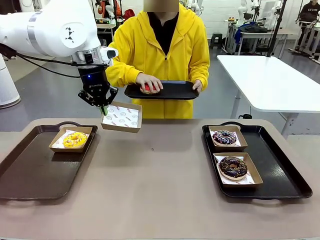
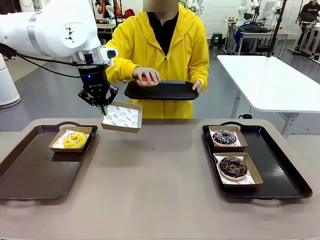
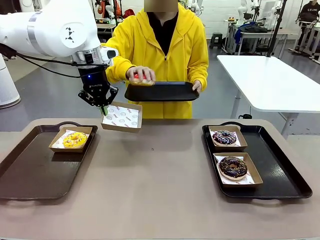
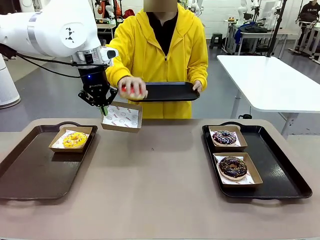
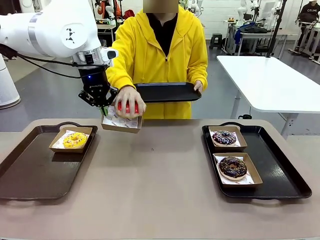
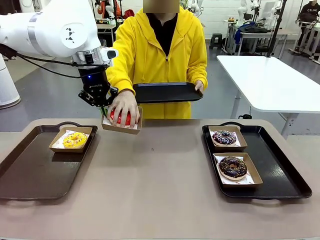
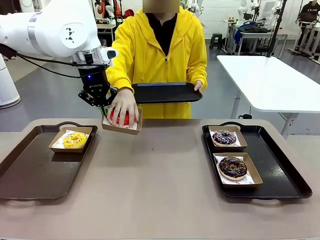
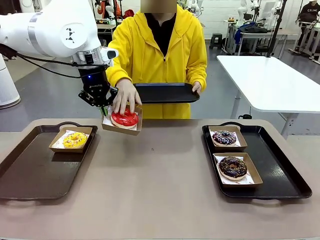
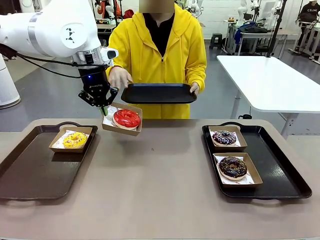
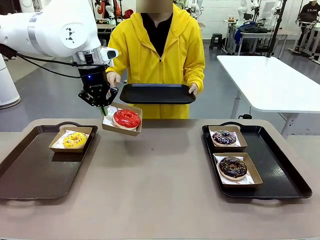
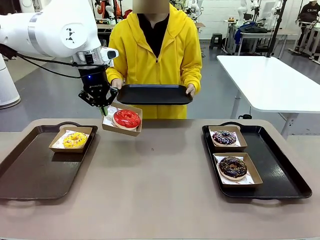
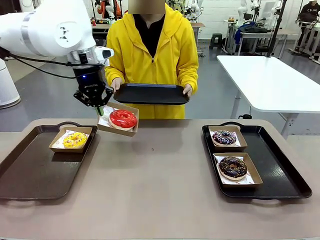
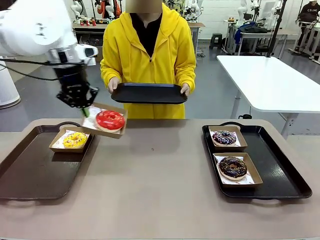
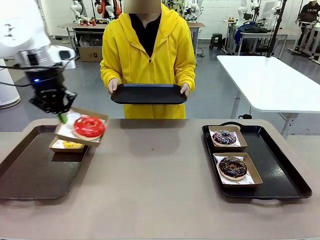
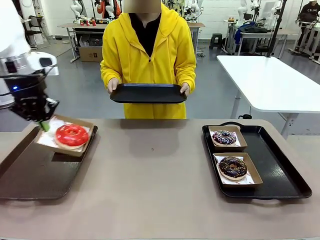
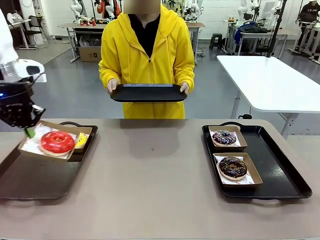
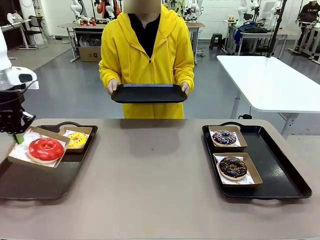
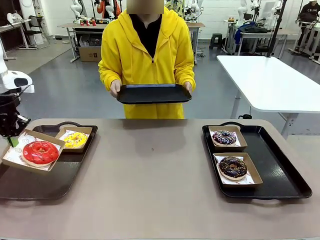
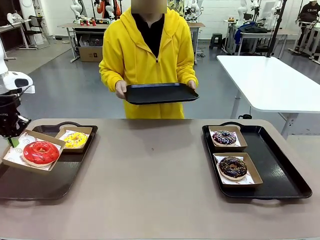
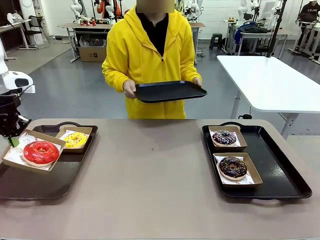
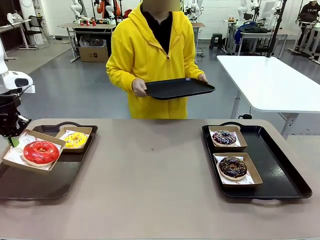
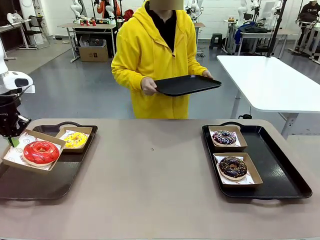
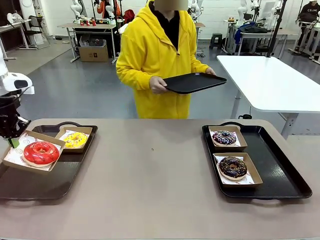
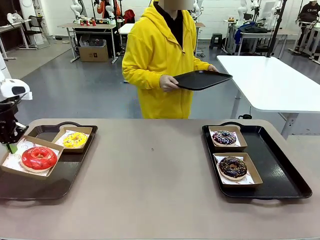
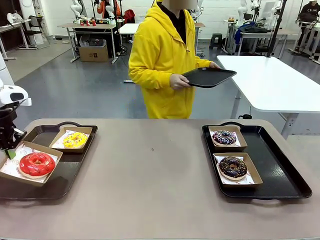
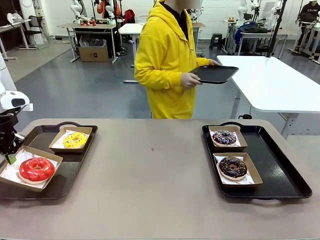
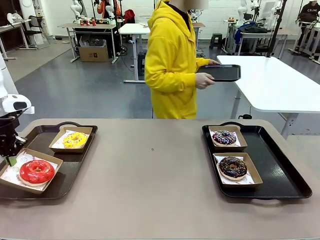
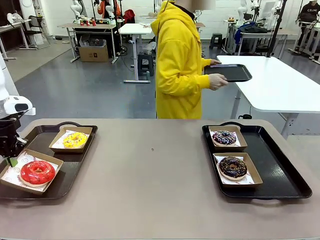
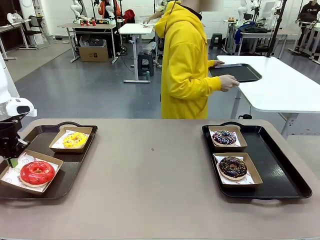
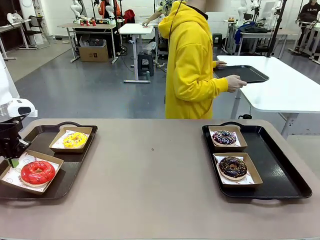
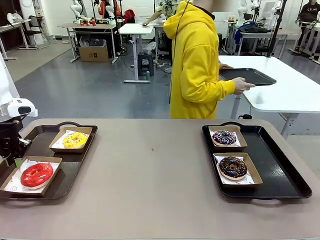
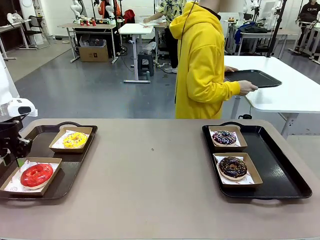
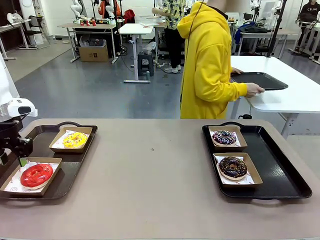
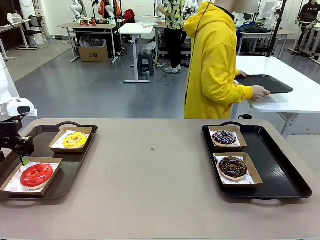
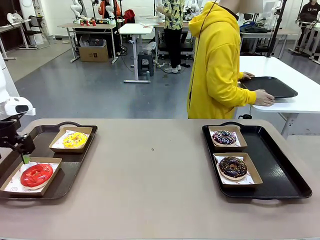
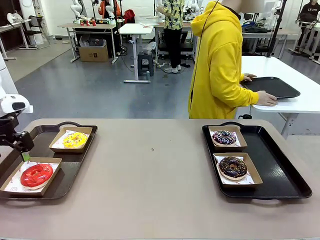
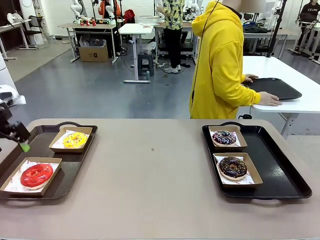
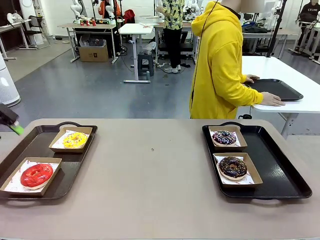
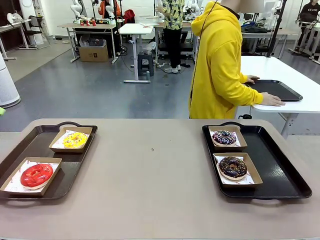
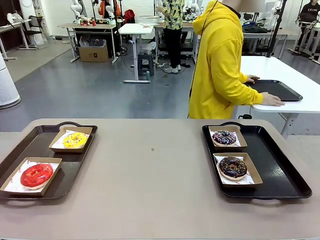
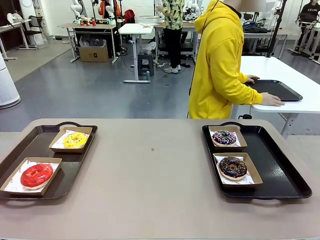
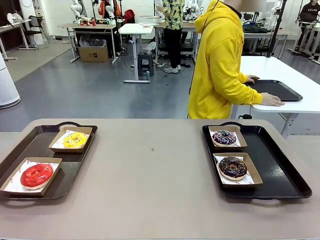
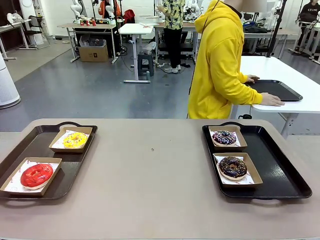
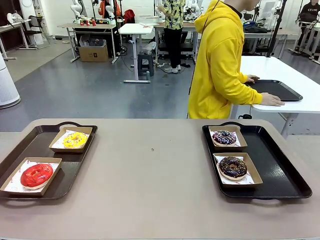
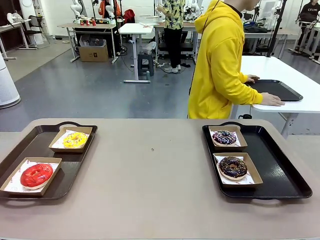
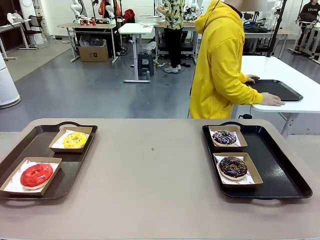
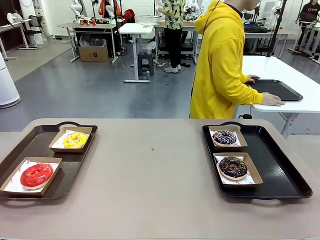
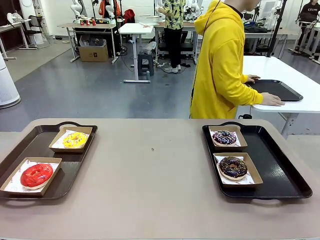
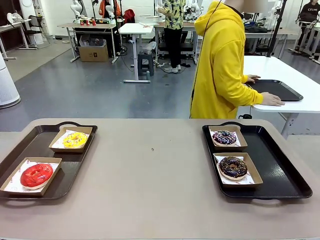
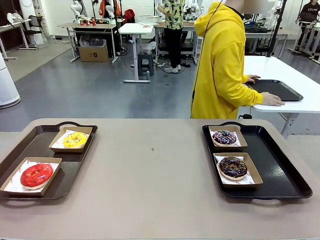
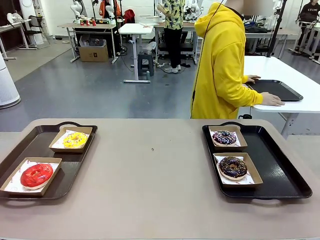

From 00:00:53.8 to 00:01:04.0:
Task: Individually package the donuts and arrange them on the tray.
Robot: Place the picked Paper togo box on the Handle tray.
Person: Place the tray down in the middle of the human table.

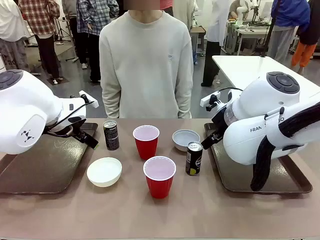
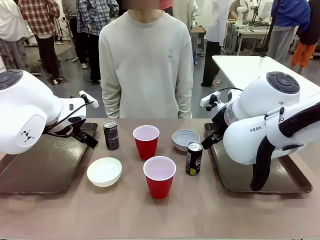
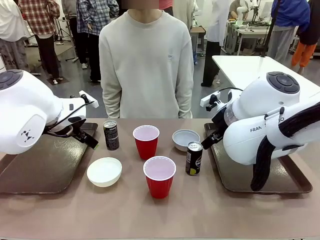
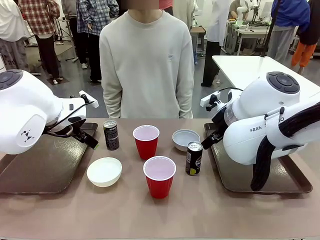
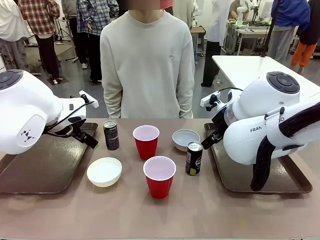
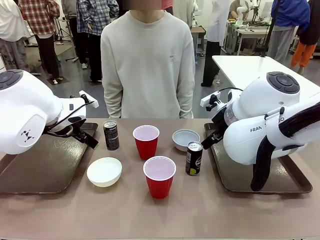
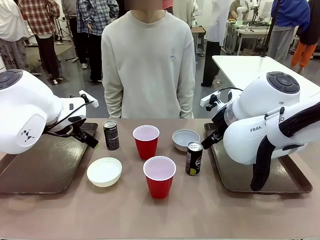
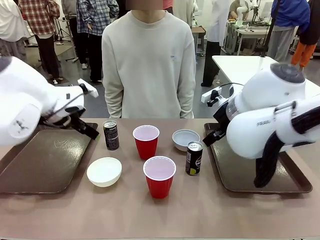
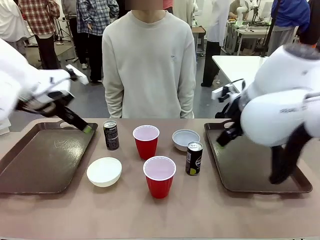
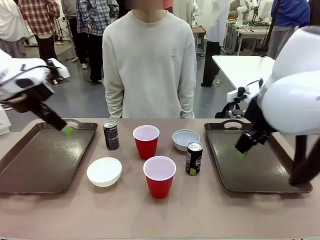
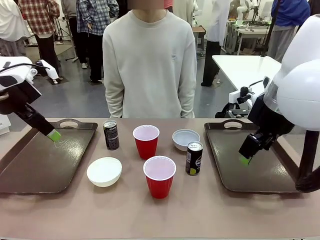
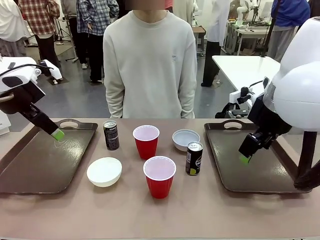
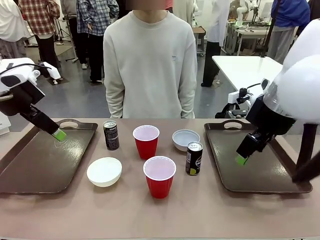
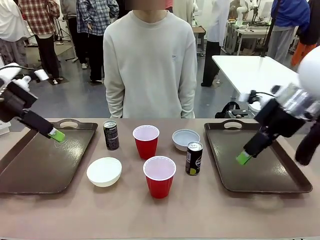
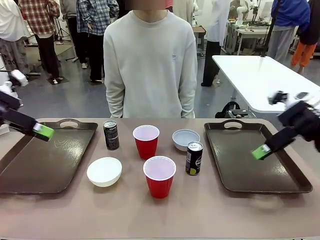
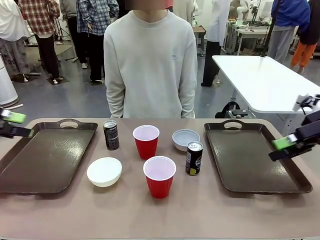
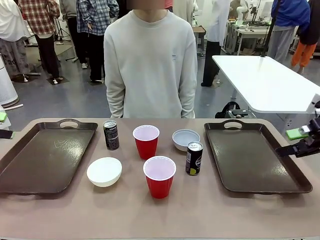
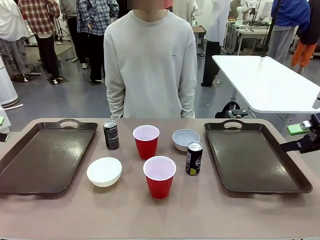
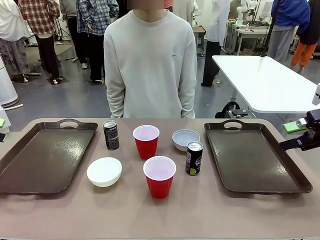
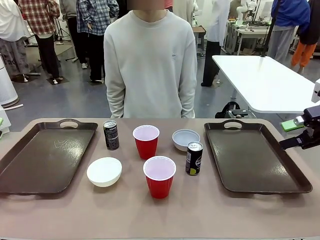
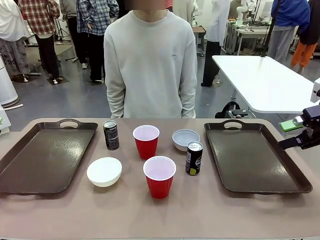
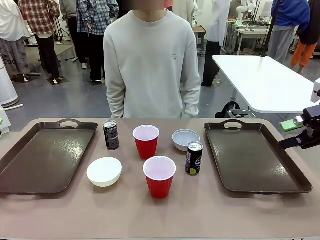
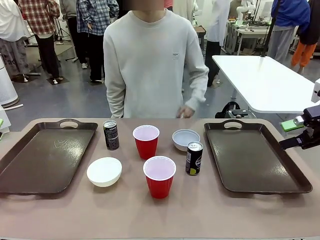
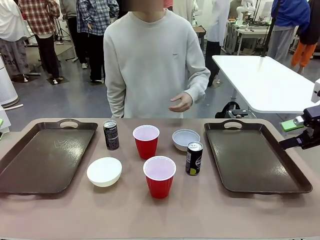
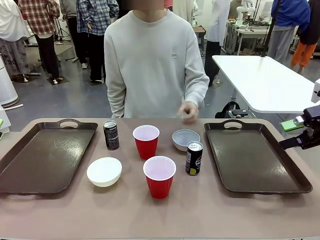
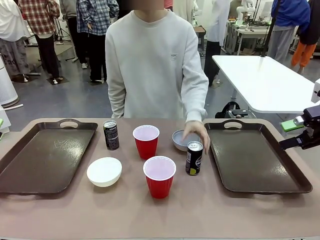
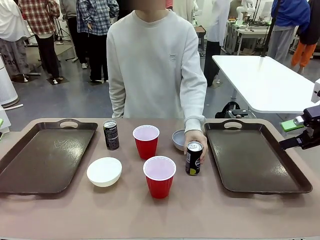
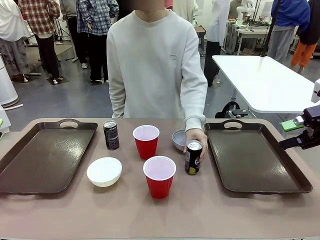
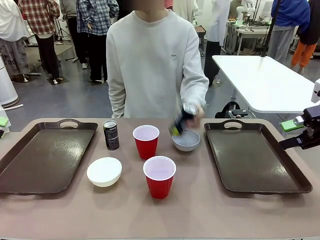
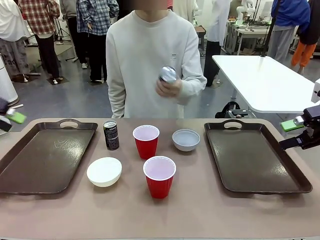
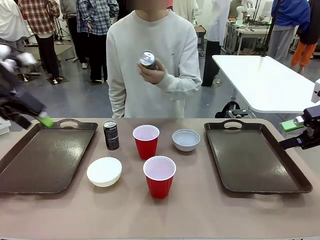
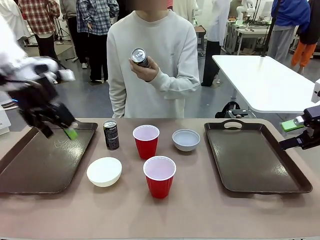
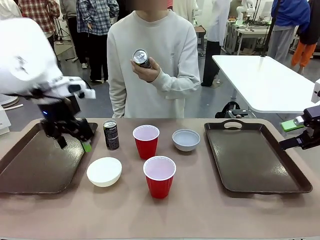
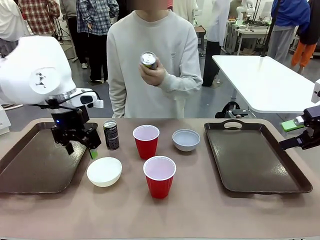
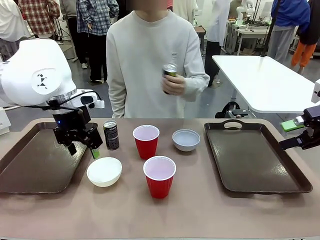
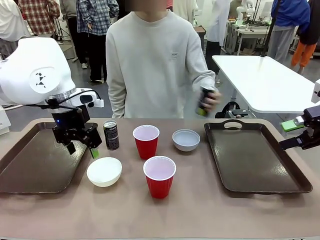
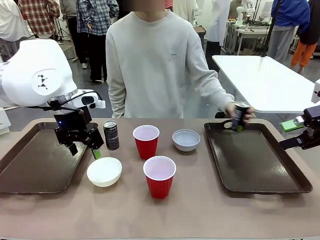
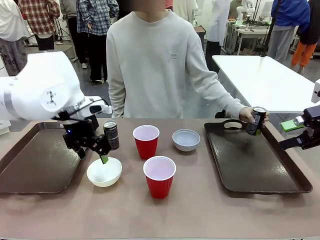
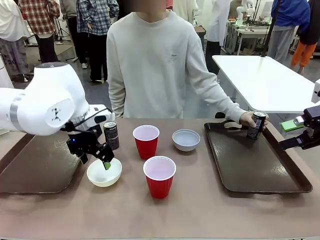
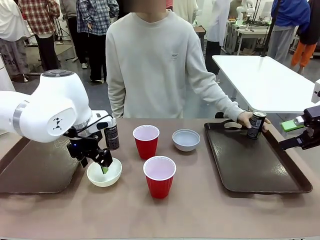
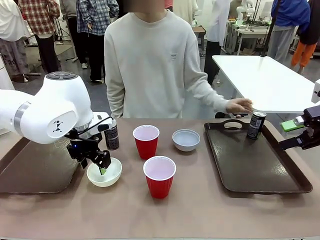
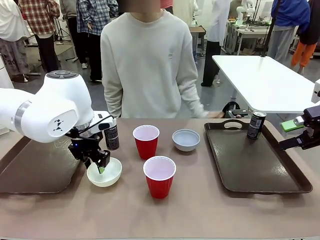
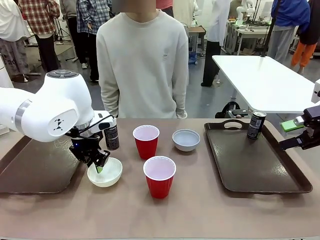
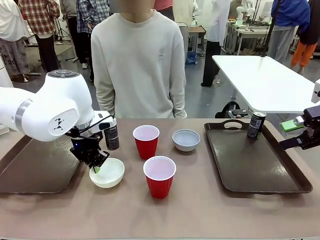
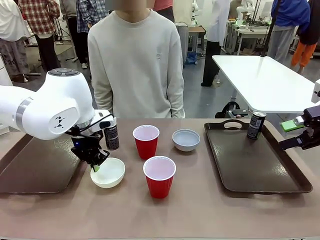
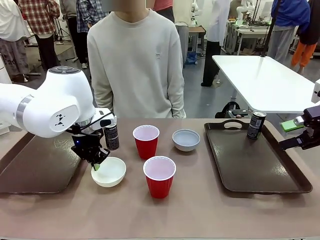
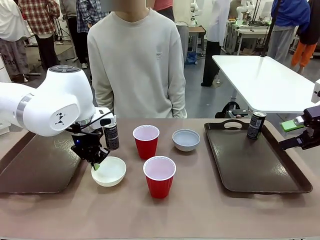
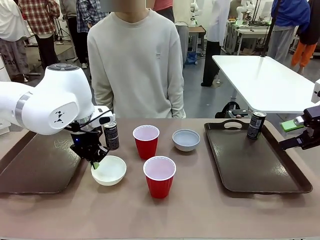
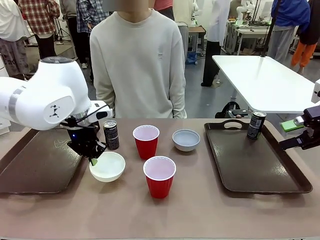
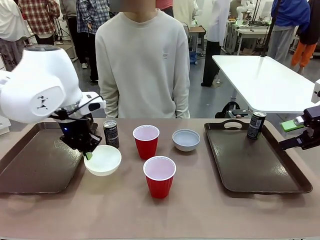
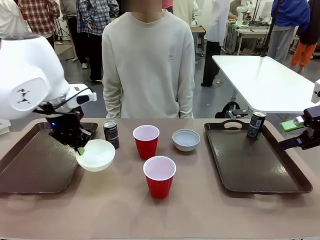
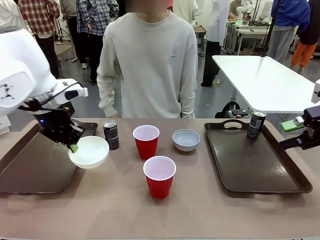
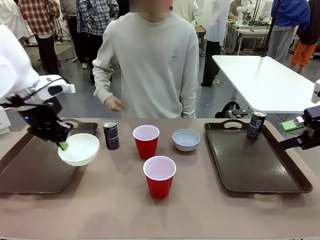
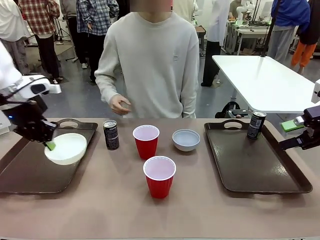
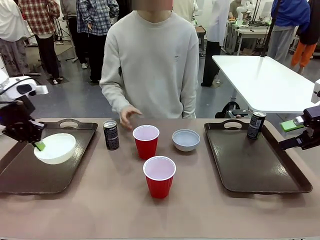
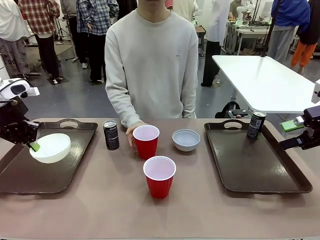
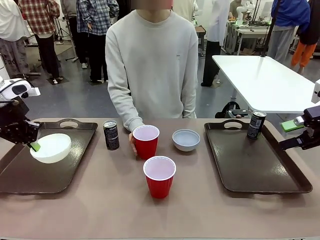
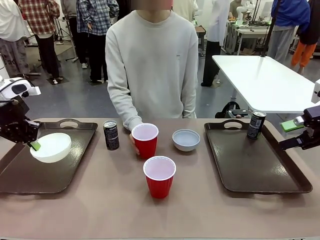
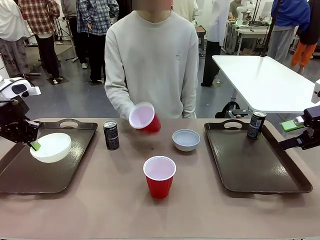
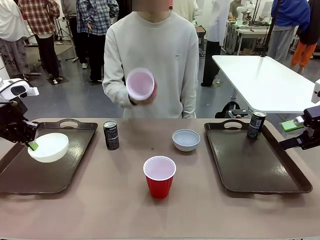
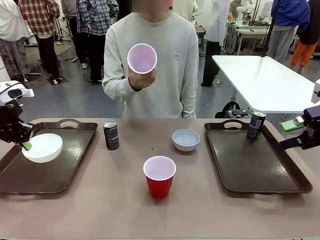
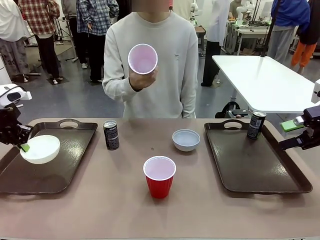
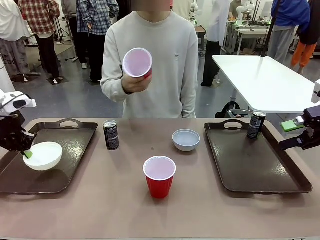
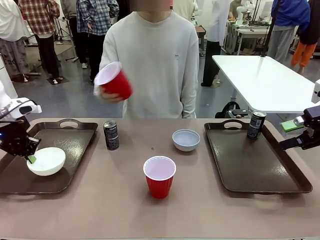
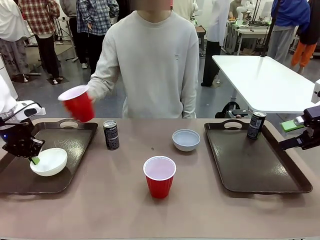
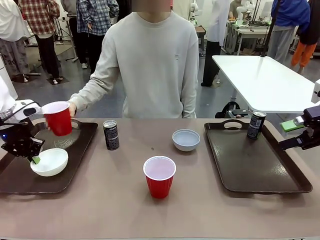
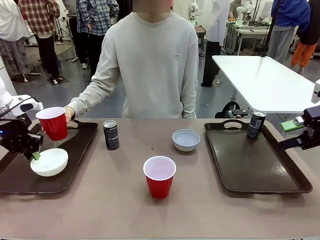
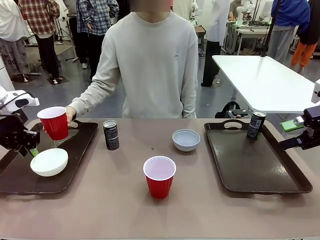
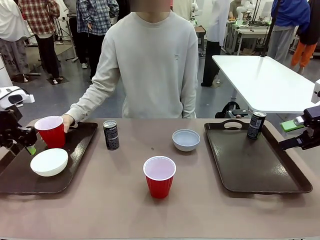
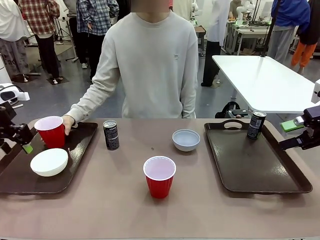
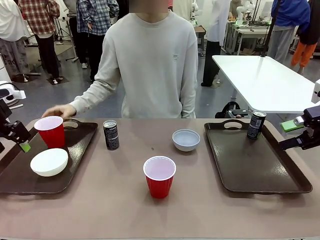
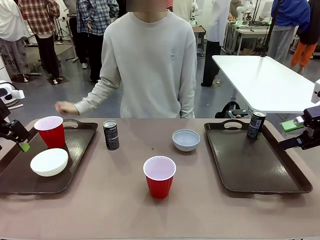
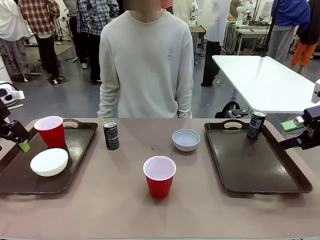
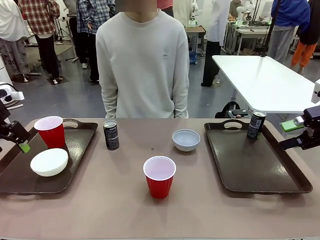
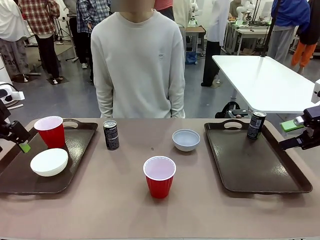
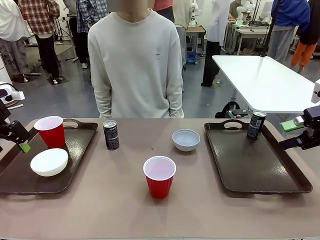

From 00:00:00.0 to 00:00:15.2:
Task: Prepare tableware on both trays.
Robot: Pick up a Picnic Bowl from the table and place it on a Handle tray.
Person: Pick up a can or cup and place it on the tray.
